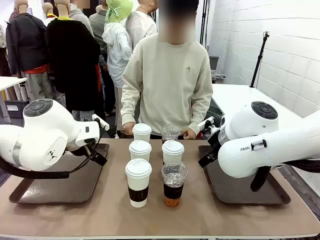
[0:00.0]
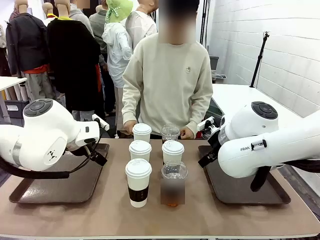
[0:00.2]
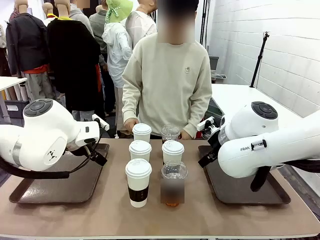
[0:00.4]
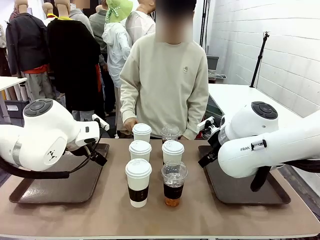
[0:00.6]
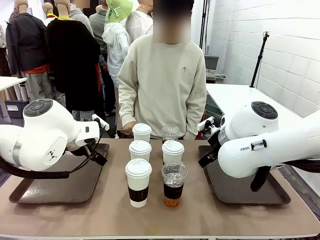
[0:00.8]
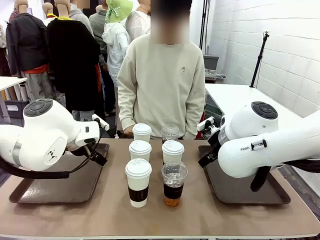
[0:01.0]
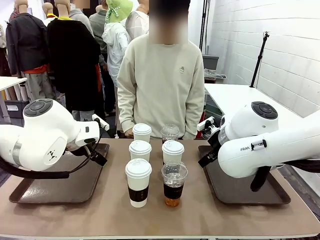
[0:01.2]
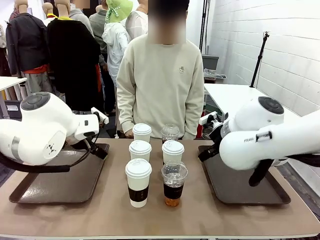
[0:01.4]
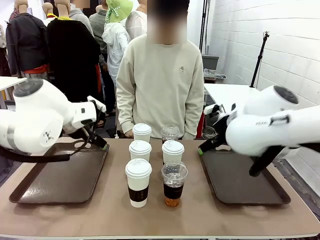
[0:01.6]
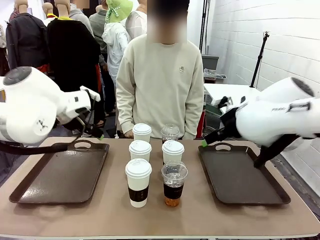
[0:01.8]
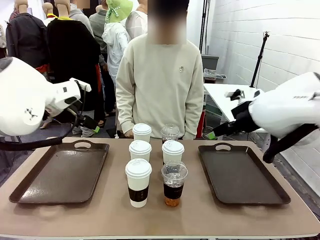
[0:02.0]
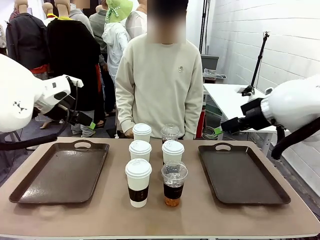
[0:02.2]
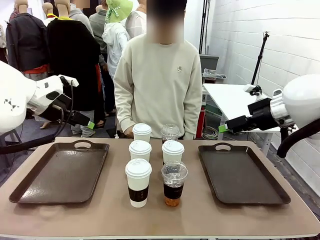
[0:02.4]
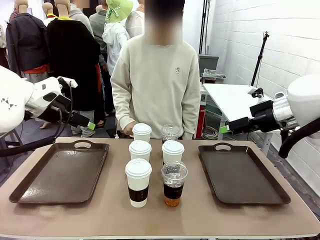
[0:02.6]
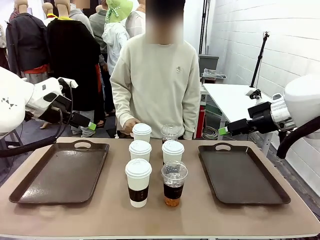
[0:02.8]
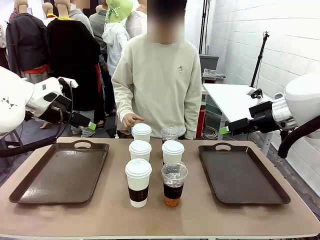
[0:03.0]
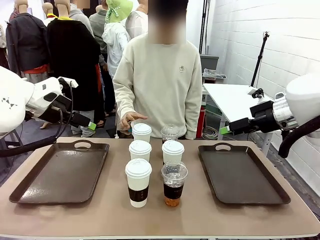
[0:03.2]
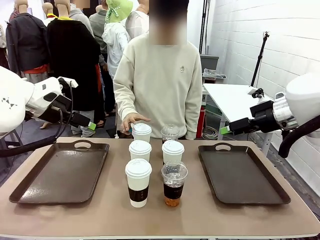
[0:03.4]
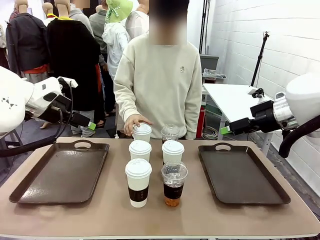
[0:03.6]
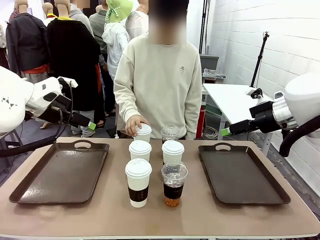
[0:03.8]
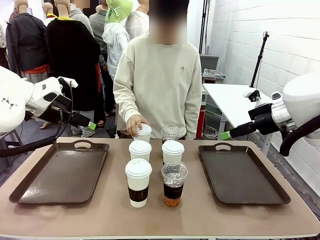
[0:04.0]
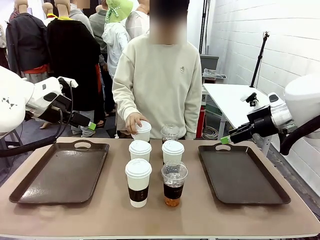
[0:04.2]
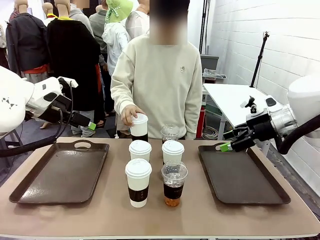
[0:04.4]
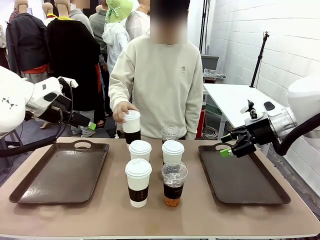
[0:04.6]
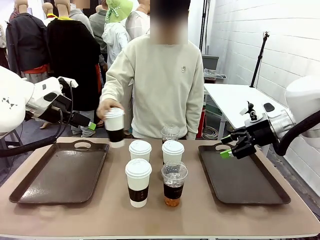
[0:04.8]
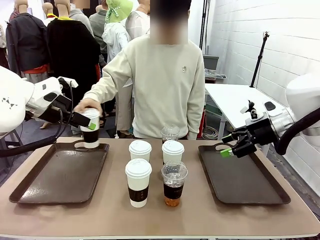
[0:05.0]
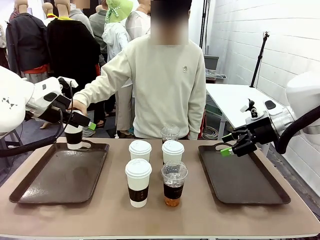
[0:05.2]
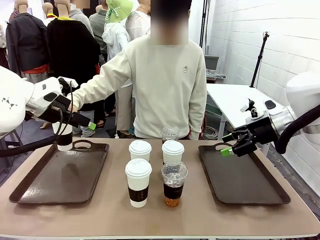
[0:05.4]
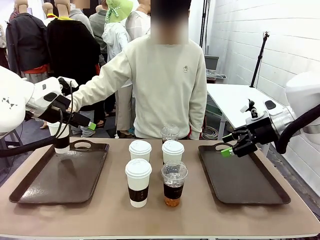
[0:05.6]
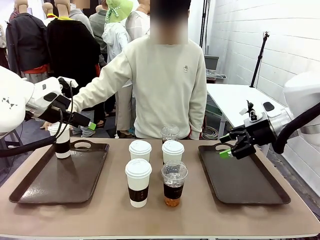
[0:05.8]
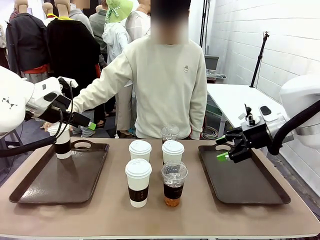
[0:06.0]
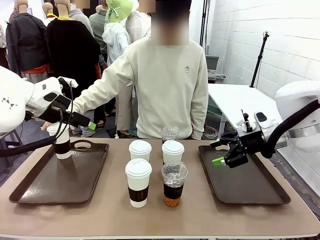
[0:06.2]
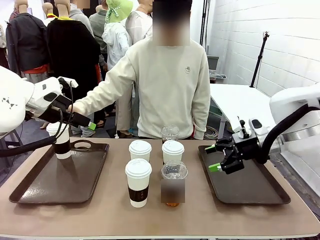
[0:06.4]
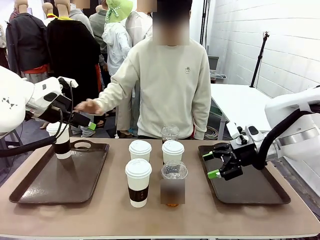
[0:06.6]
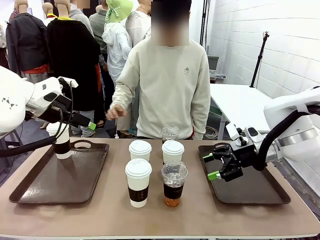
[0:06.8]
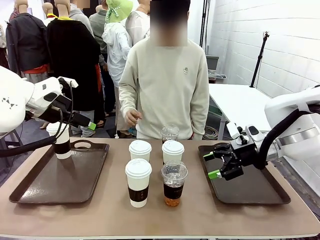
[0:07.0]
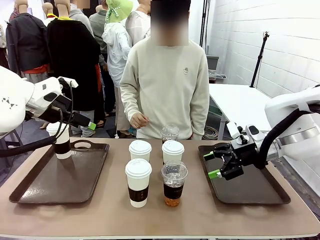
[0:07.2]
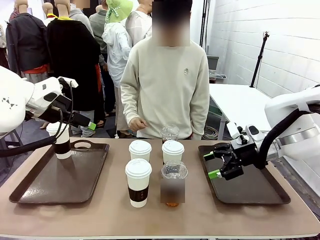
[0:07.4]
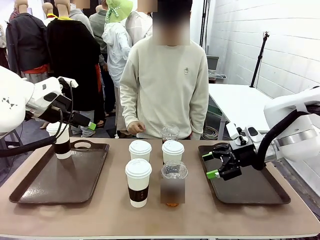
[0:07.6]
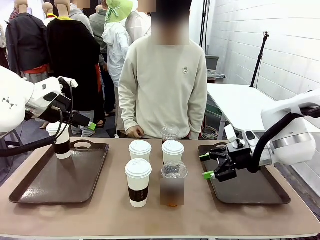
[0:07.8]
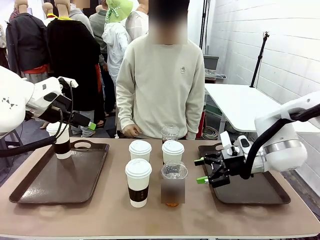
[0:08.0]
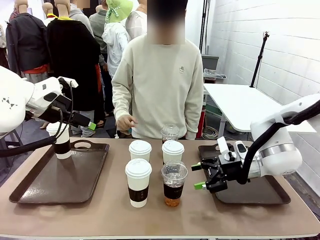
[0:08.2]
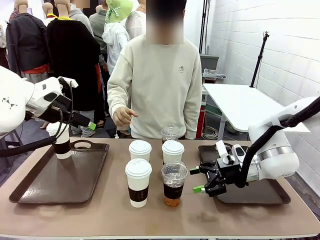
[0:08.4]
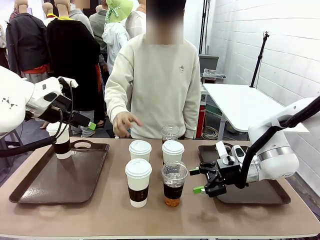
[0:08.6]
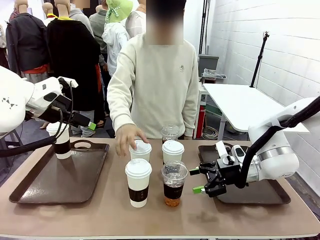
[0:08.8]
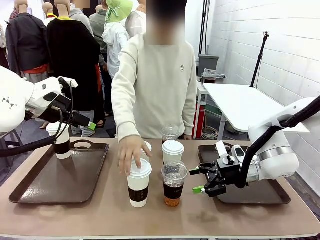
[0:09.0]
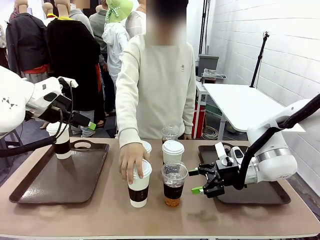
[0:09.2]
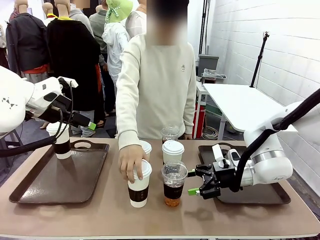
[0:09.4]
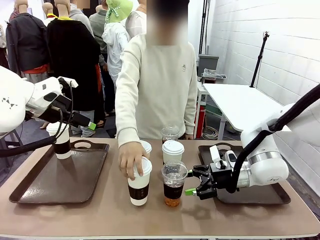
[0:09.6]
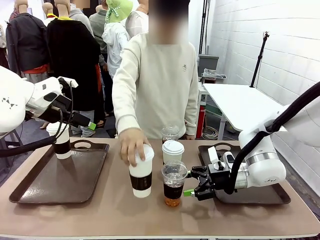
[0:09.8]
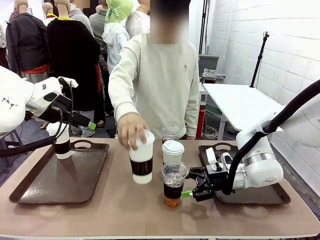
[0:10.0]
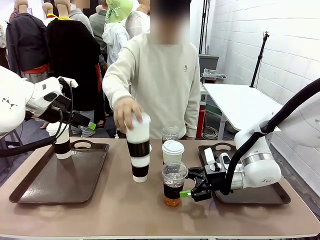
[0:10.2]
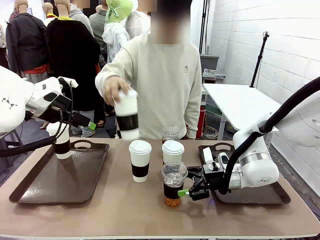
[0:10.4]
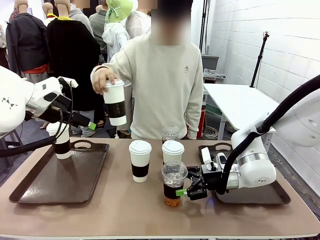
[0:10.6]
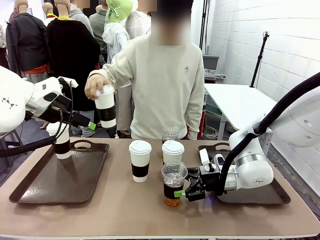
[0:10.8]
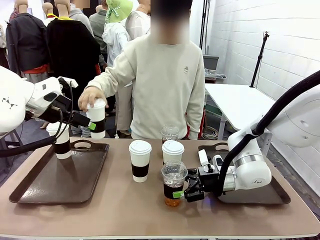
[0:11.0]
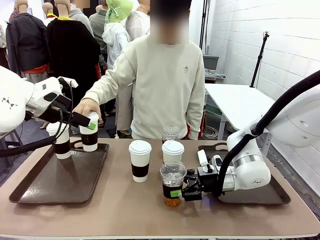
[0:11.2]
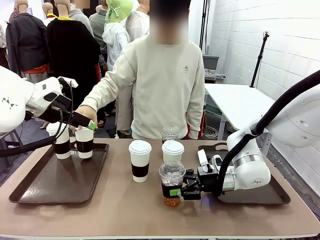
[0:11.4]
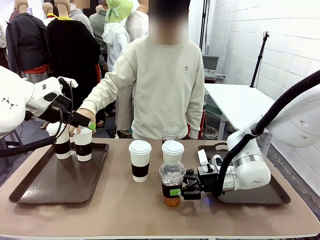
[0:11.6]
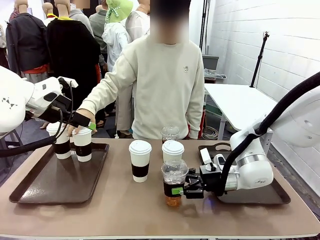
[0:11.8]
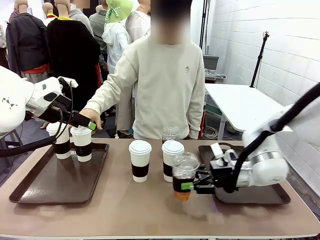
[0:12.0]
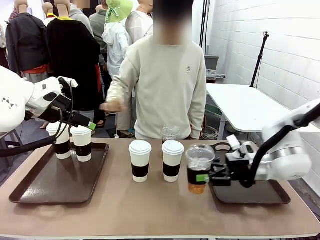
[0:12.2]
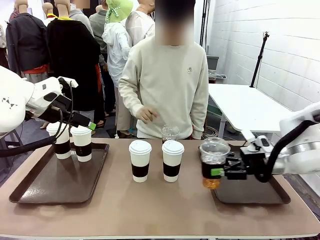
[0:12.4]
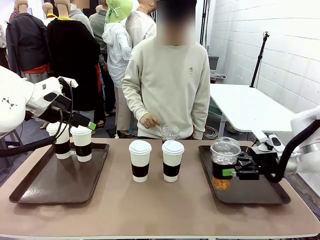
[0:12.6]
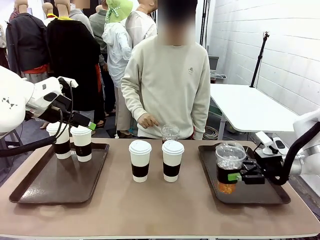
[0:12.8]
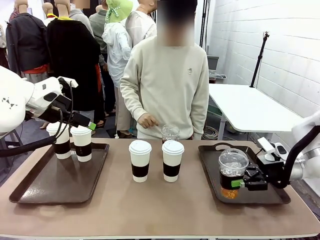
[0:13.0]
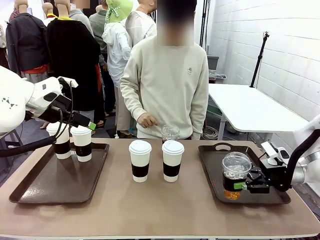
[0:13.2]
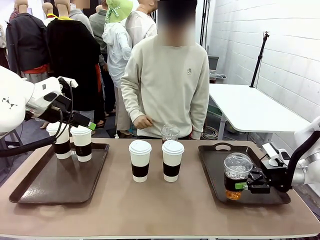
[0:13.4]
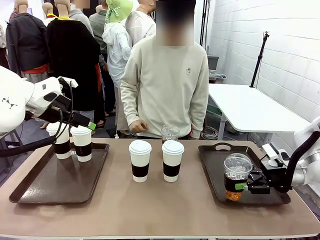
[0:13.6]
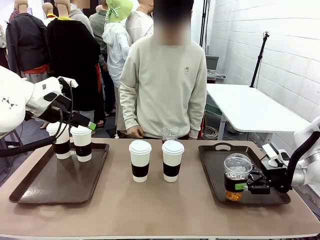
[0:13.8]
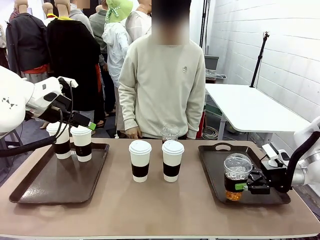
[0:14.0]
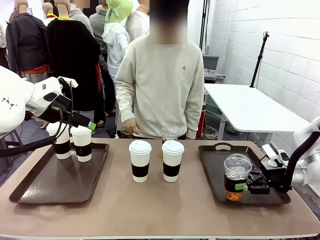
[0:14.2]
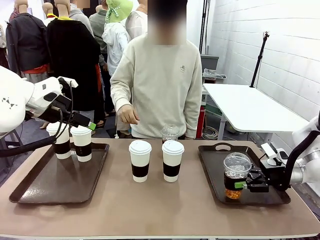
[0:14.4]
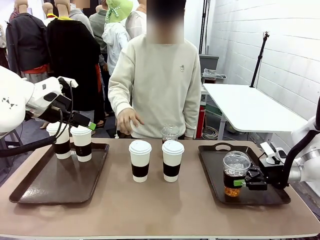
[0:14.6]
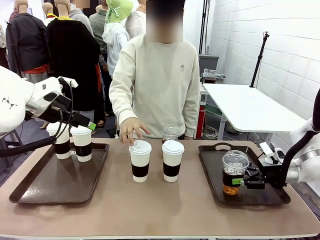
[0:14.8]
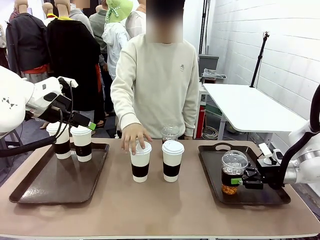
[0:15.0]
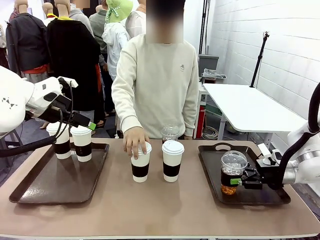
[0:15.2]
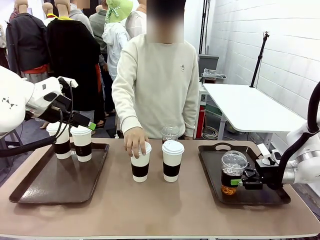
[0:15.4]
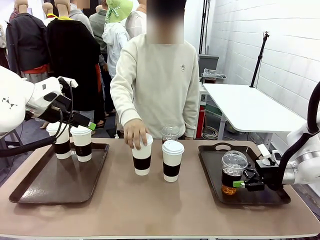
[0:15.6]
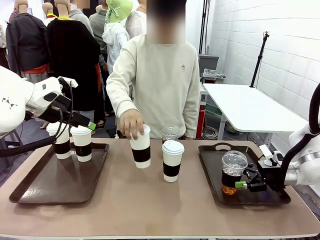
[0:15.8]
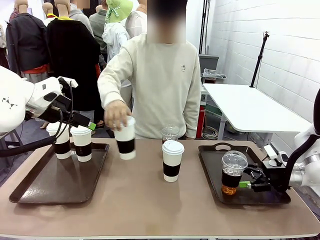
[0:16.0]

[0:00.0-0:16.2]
Task: Distribute the coffee onto the tray.
Robot: Pick up one iced Americano and place it on the right Handle tray.
Person: Pick up a cup of hot Americano and place it on the right tray.
